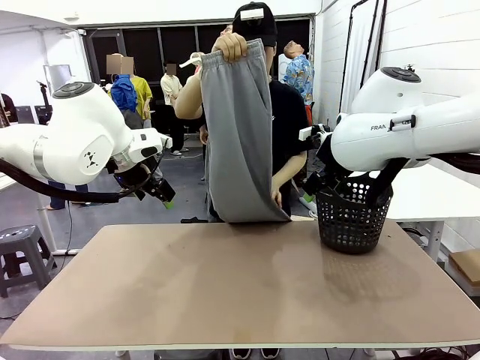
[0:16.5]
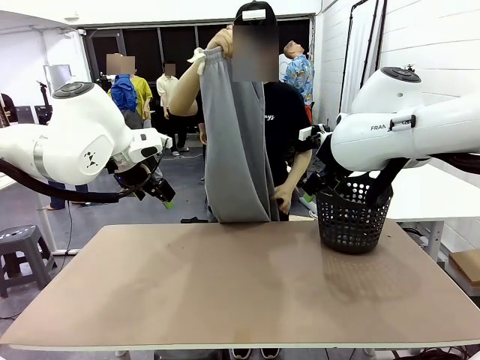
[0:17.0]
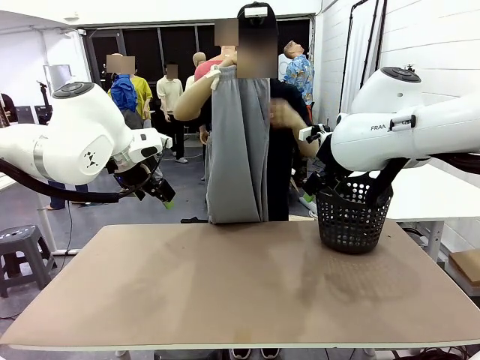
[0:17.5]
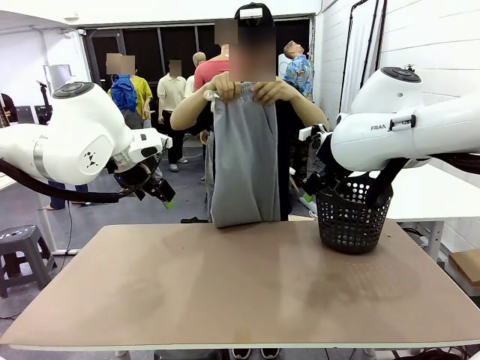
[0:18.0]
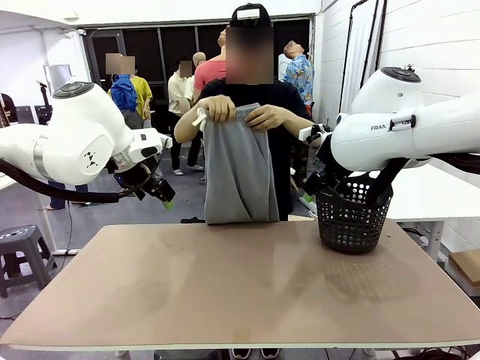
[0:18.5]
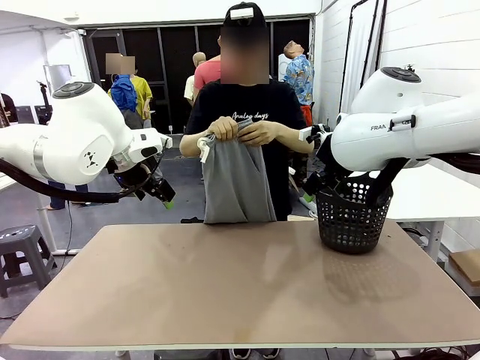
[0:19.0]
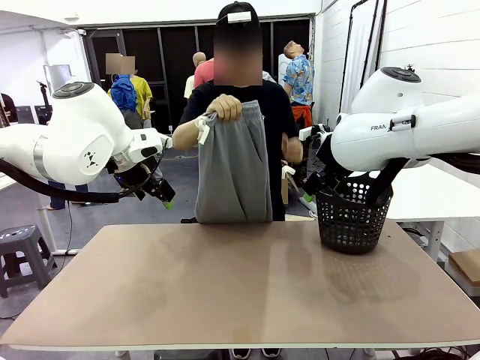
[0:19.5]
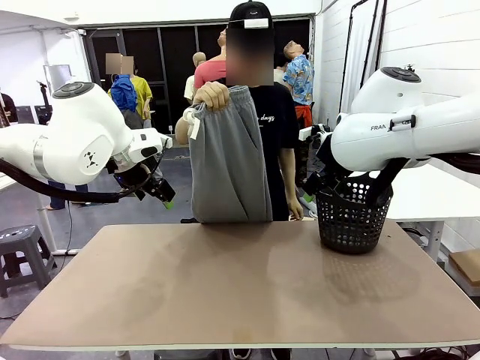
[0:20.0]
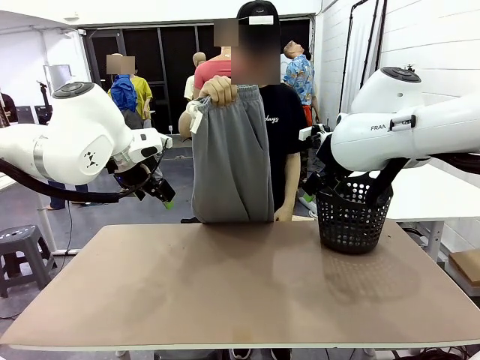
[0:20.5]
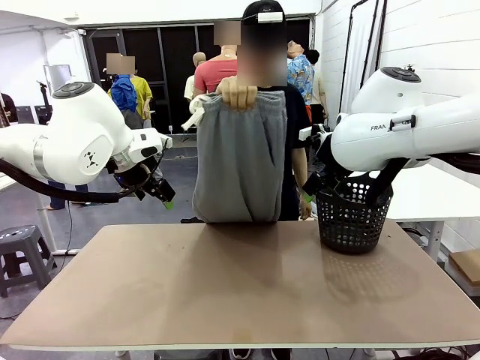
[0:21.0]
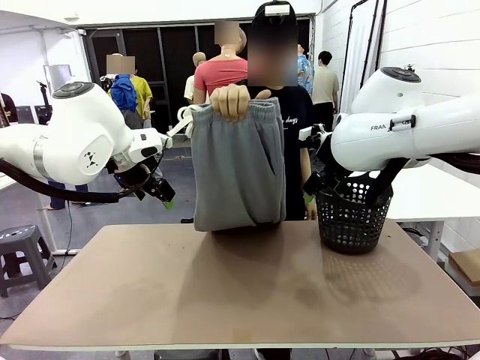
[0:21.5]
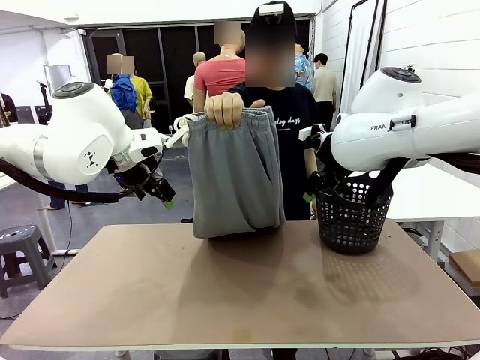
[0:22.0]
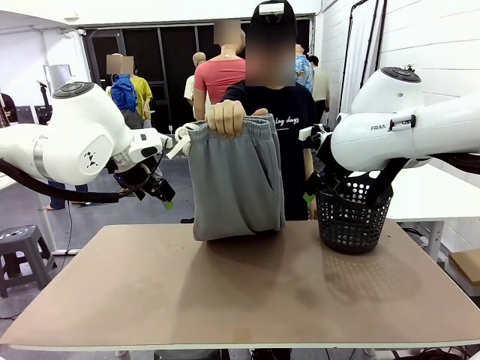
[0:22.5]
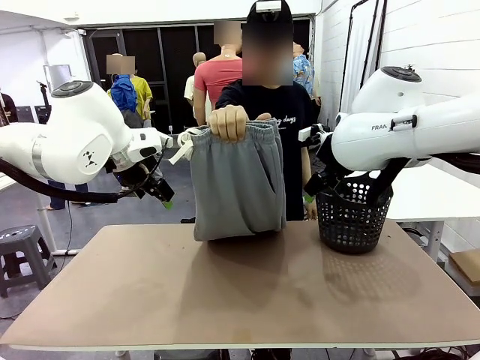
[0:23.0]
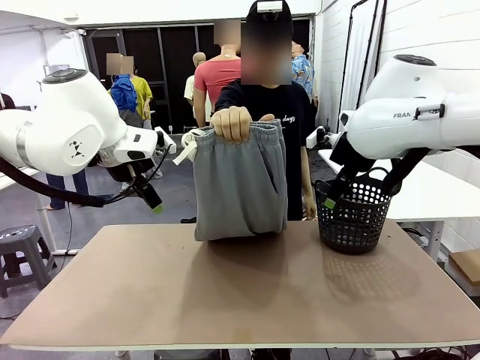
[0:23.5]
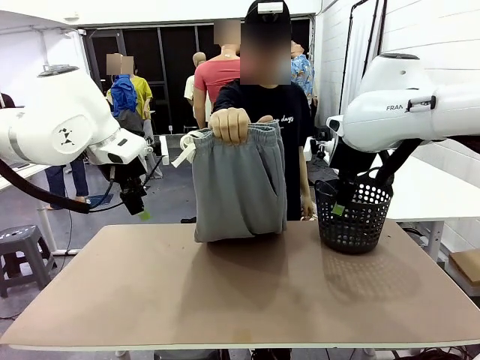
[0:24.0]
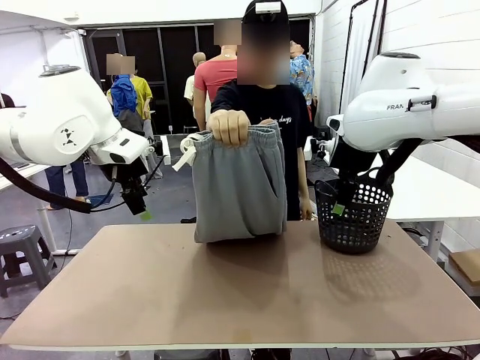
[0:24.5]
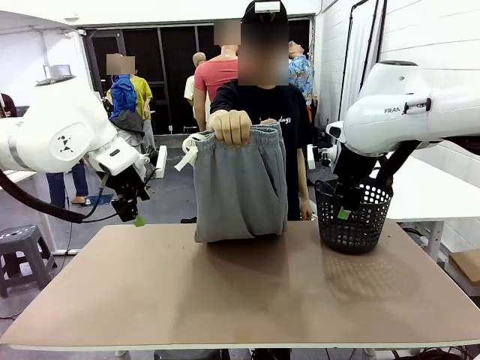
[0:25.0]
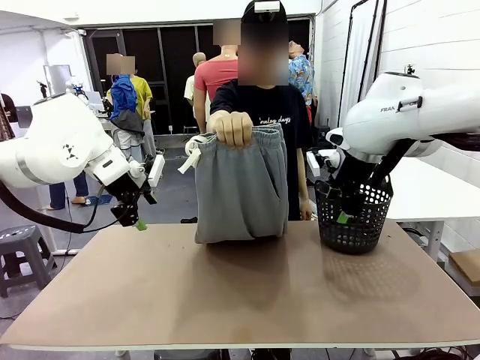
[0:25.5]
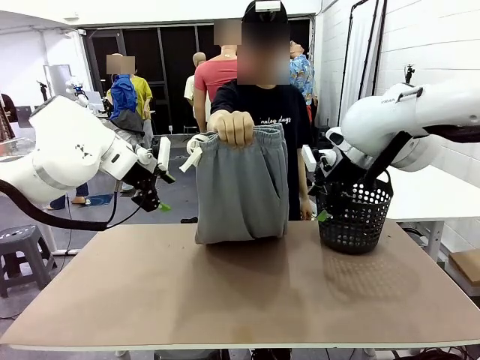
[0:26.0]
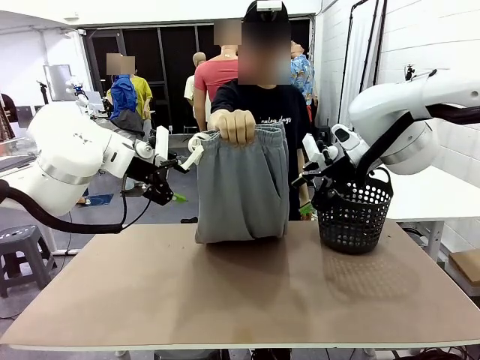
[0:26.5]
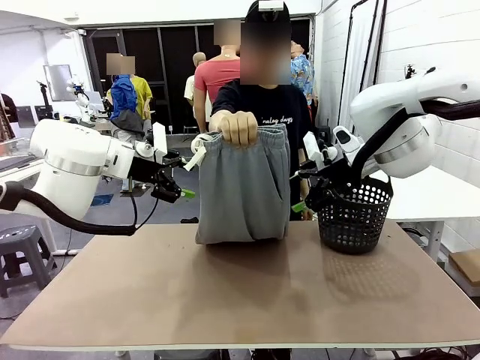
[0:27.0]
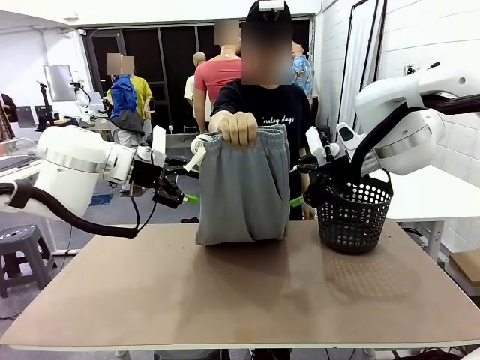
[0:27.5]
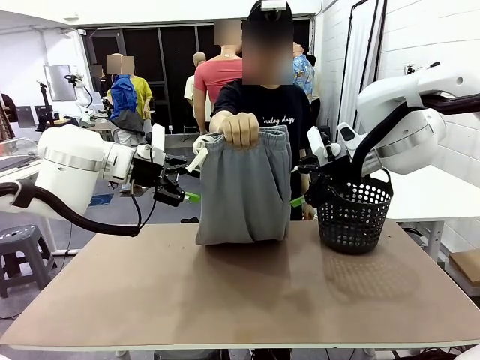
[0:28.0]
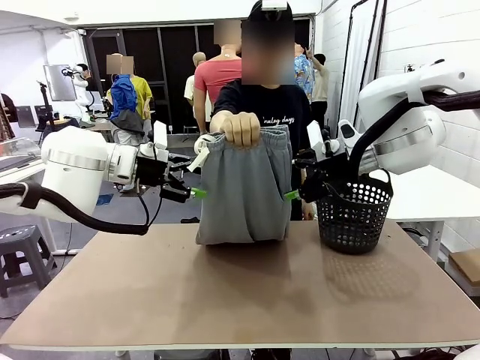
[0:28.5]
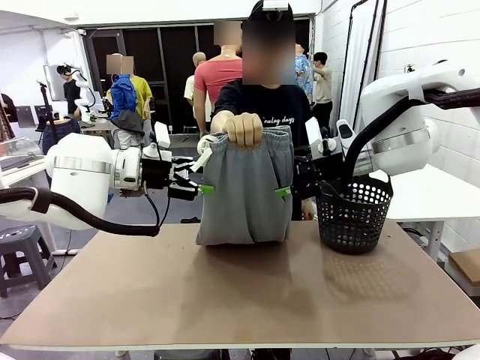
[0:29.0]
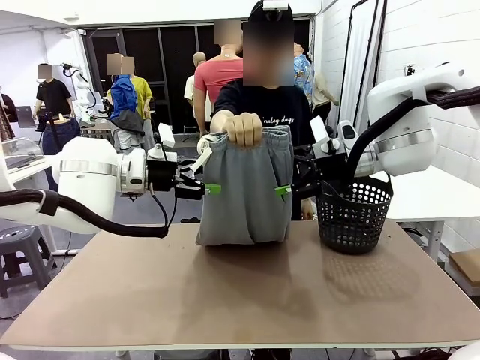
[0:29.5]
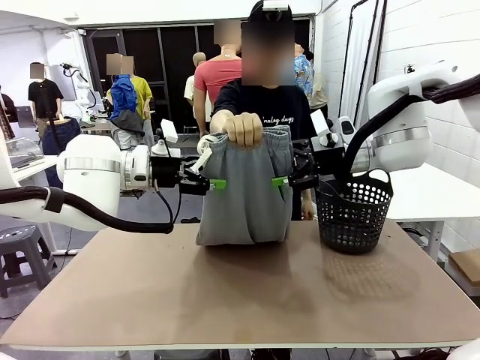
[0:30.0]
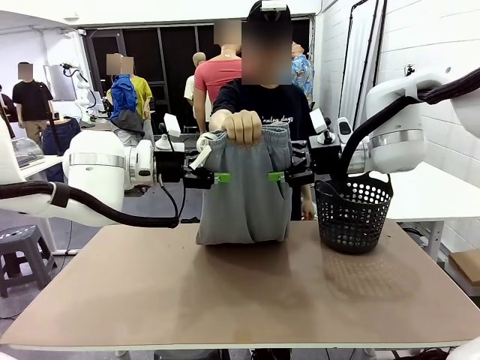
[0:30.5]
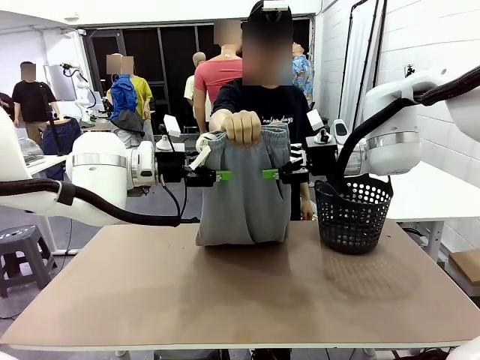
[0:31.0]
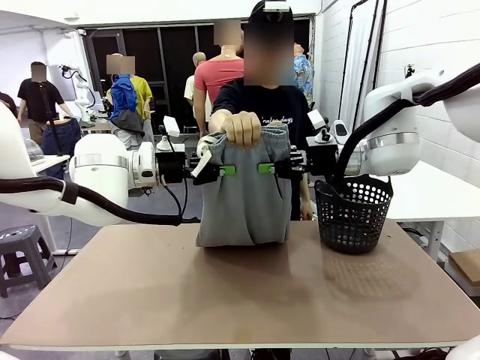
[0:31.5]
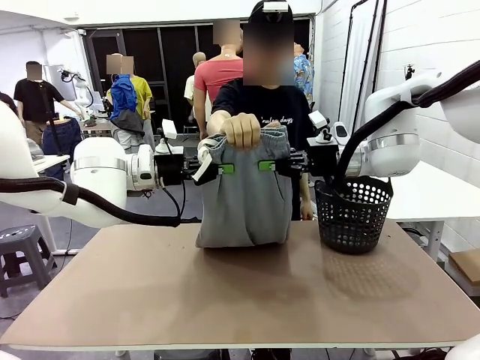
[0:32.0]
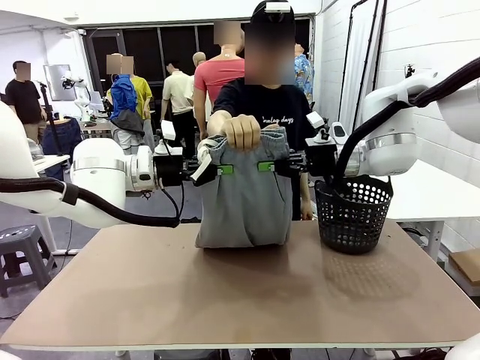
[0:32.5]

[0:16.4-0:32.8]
Task: Fold the training pants.
Robot: Grab both ends of the Training pants handed by a person.

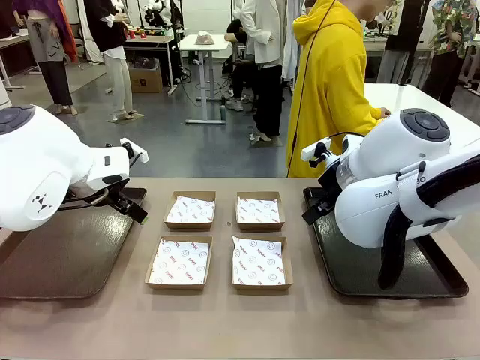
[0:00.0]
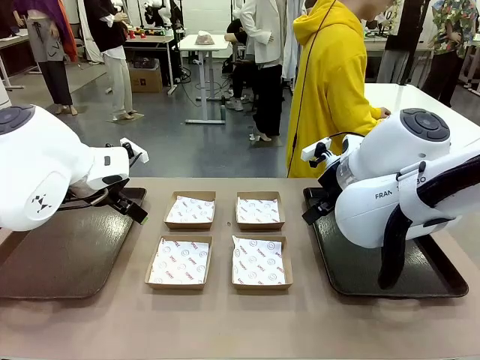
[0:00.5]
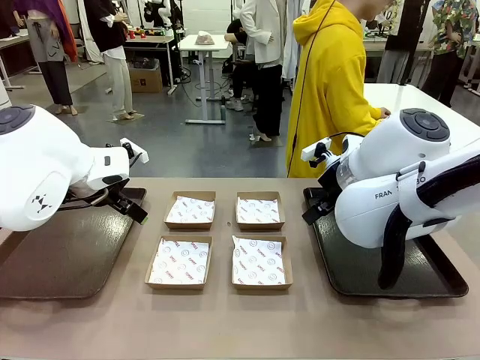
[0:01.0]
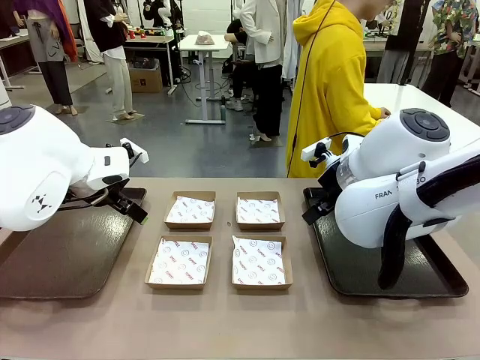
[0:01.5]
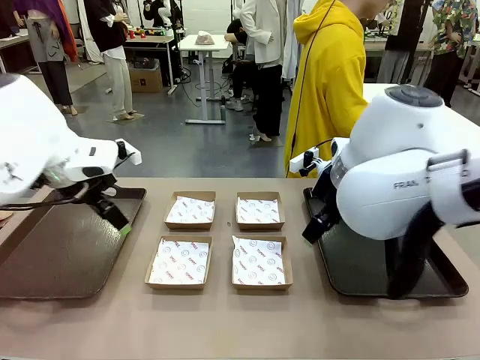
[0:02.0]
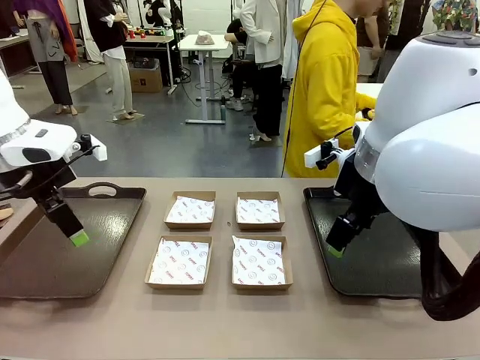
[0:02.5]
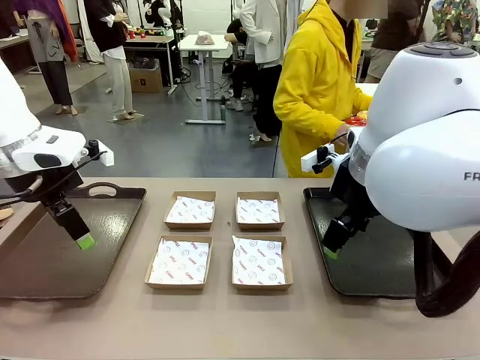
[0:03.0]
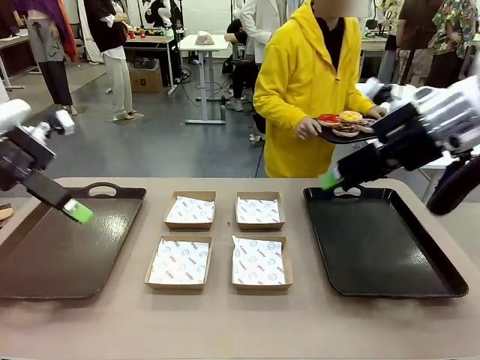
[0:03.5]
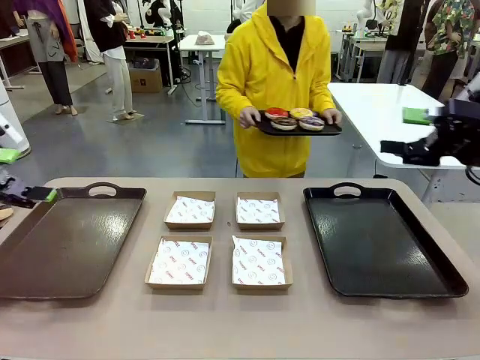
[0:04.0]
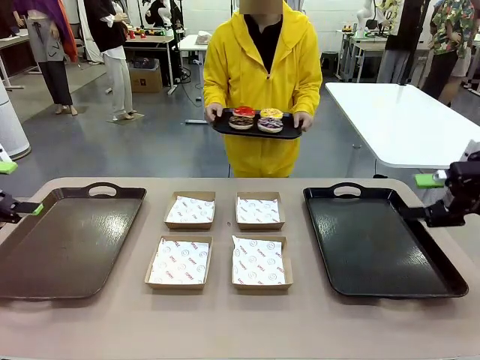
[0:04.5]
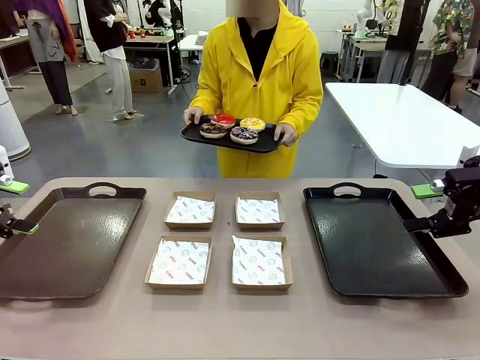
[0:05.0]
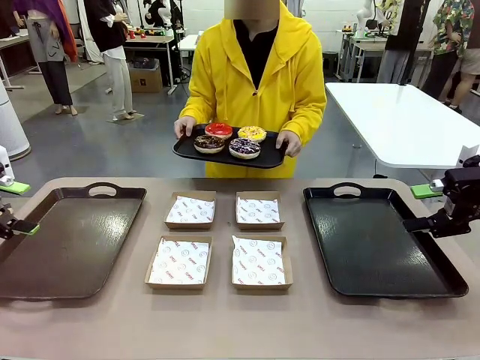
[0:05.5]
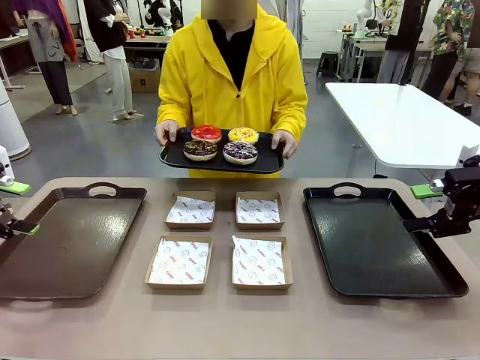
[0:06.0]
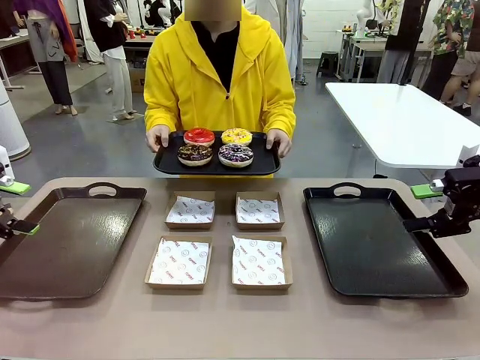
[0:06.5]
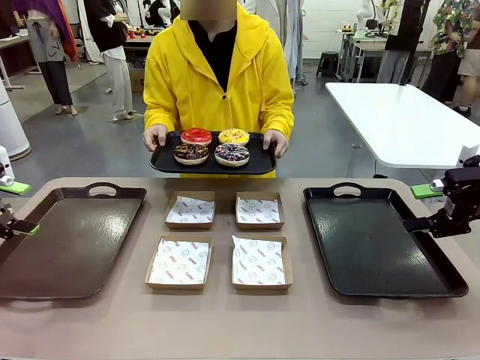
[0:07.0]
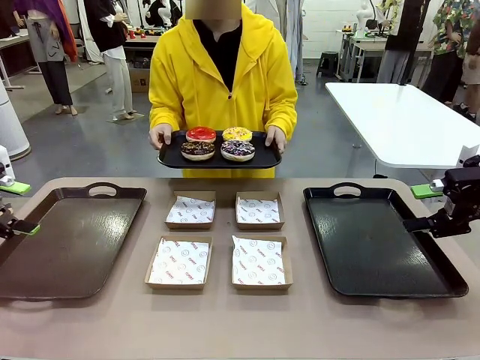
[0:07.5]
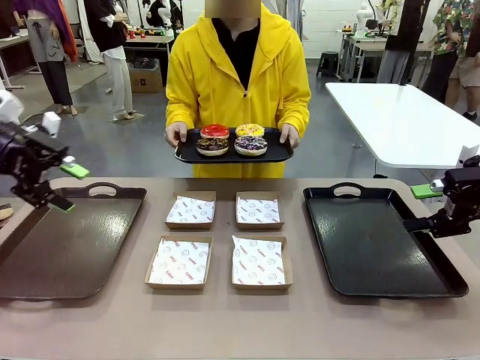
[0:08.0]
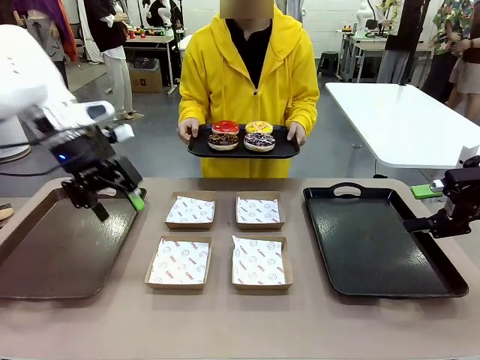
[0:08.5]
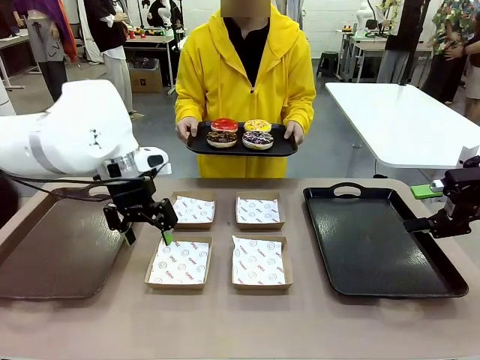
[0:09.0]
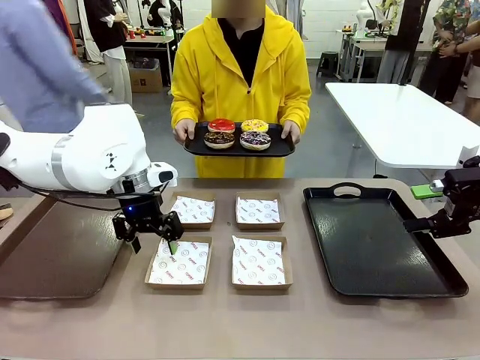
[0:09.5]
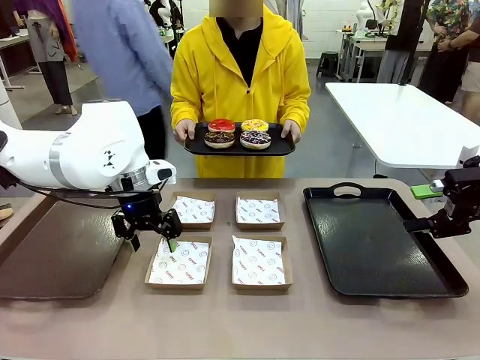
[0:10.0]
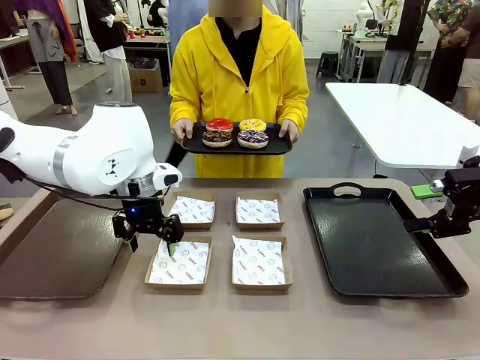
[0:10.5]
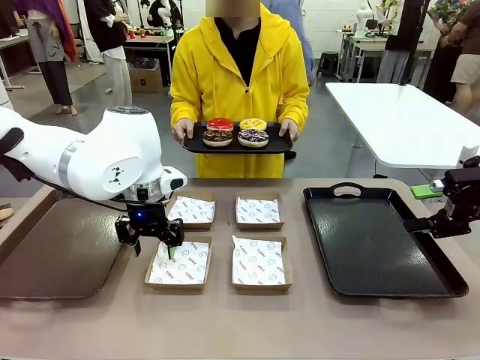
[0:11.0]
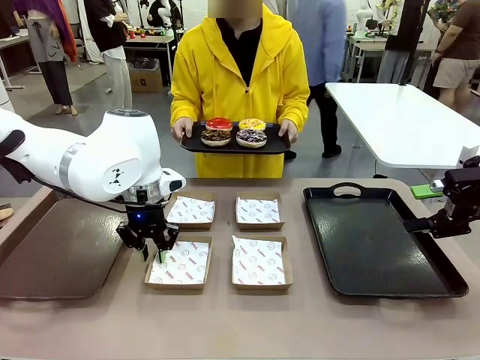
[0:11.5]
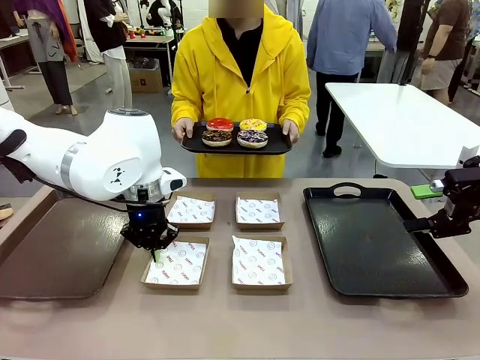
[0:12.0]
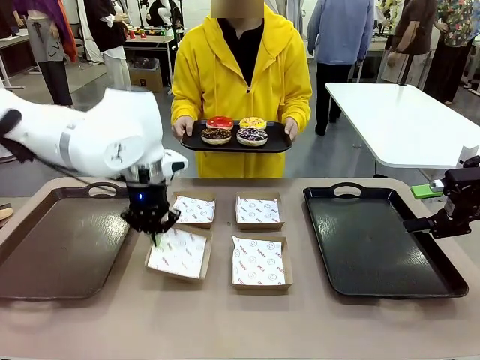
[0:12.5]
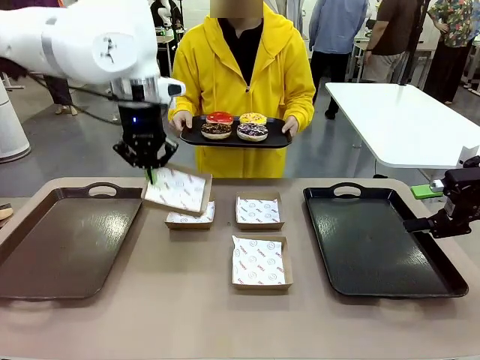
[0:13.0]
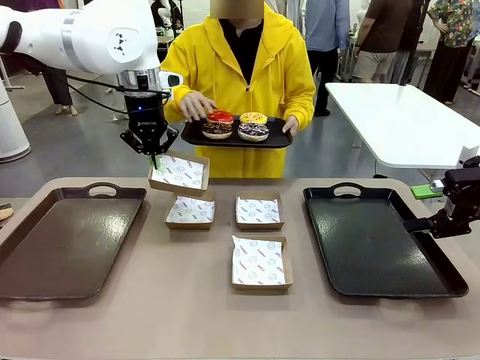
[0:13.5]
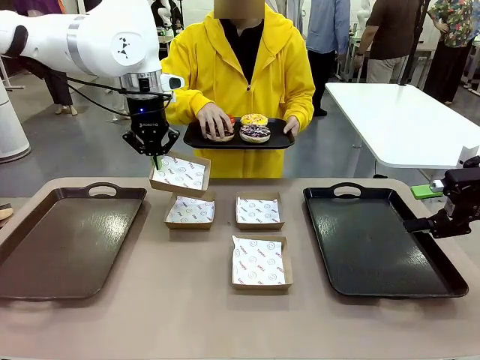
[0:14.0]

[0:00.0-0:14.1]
Task: Individually package the donuts and arrange them on the tray.
Robot: Pick up one Paper togo box.
Person: Stand in front of the robot table holding the tray containing the donuts.
